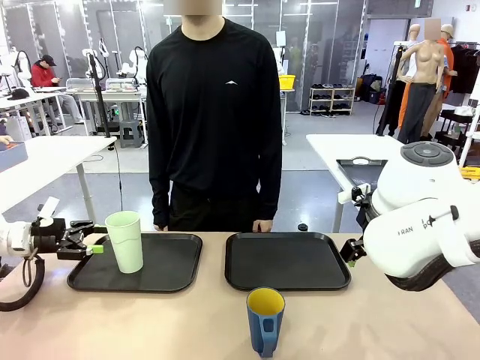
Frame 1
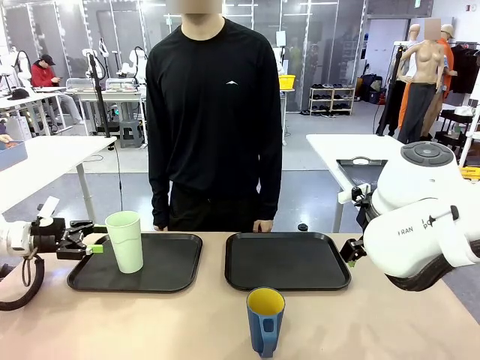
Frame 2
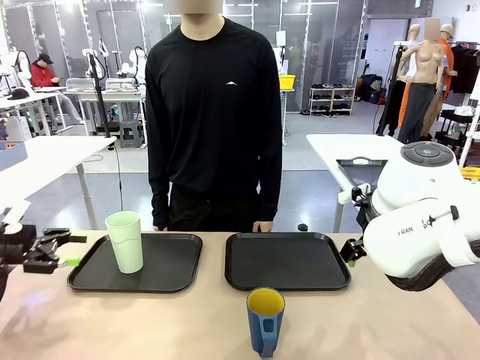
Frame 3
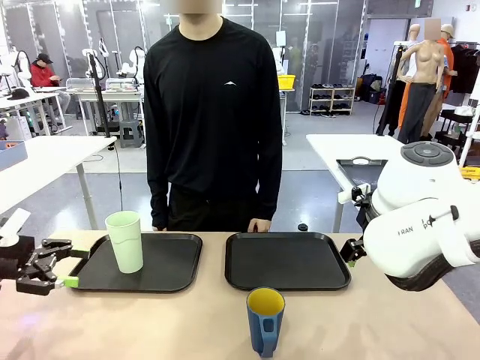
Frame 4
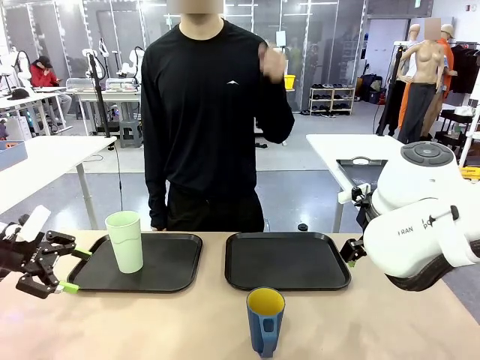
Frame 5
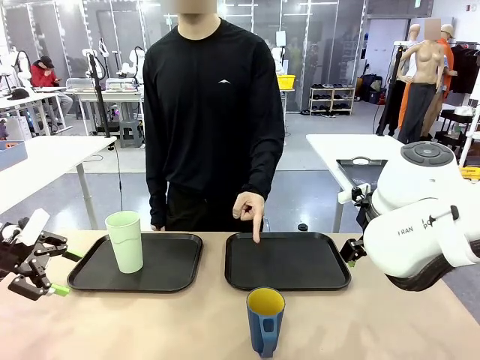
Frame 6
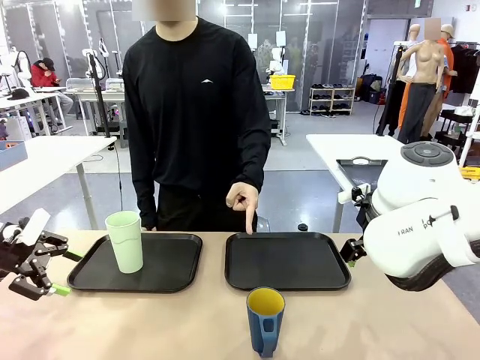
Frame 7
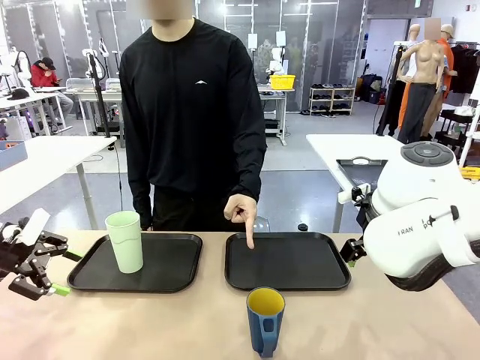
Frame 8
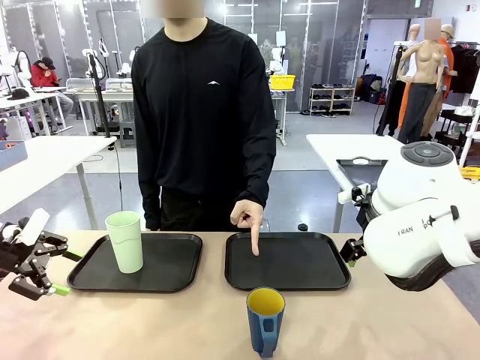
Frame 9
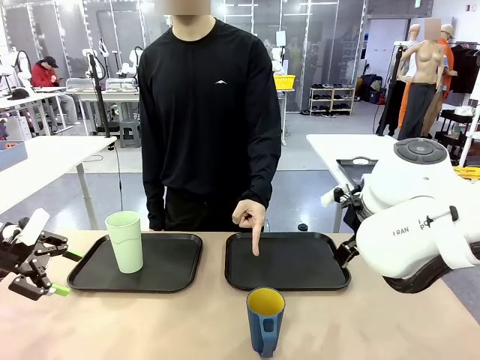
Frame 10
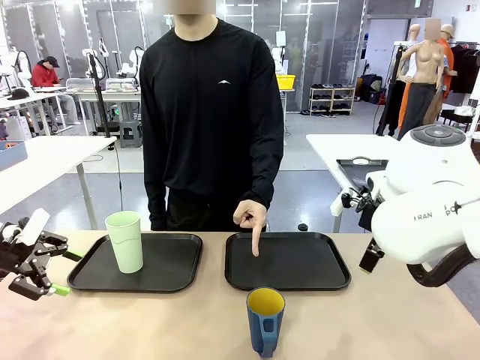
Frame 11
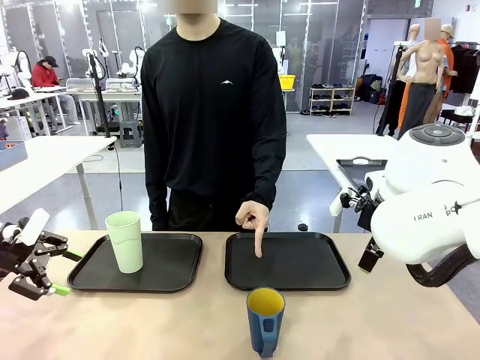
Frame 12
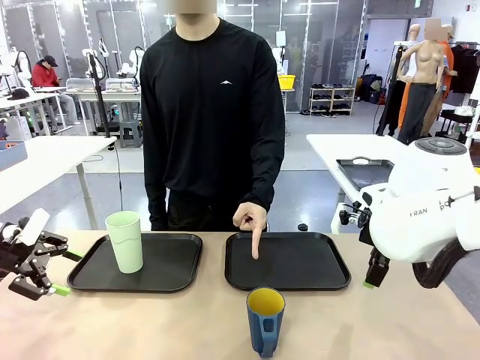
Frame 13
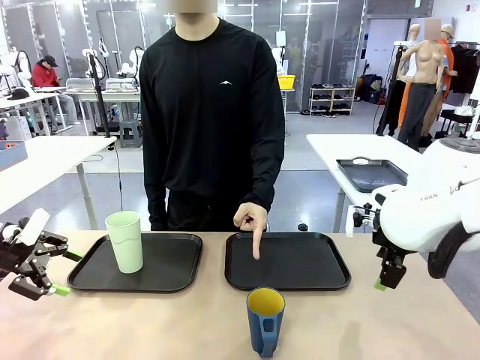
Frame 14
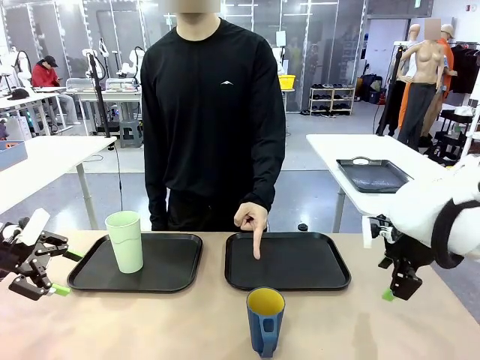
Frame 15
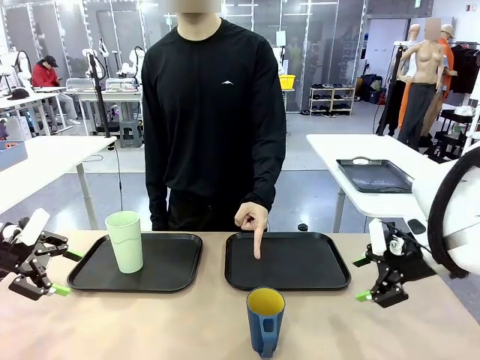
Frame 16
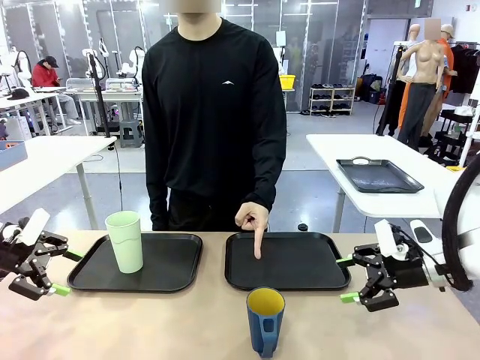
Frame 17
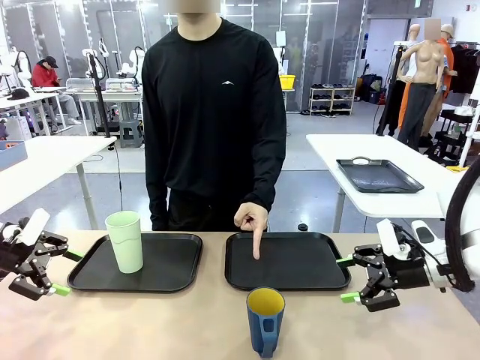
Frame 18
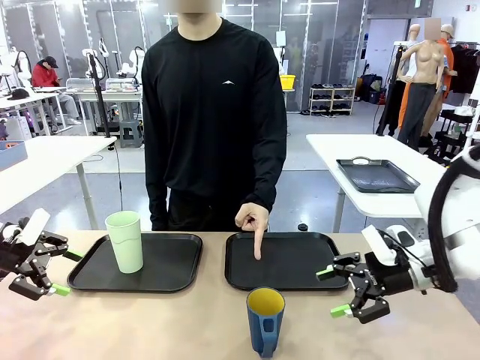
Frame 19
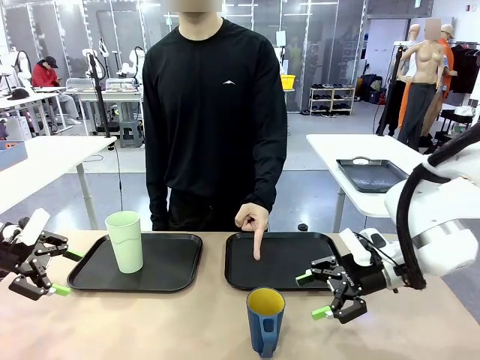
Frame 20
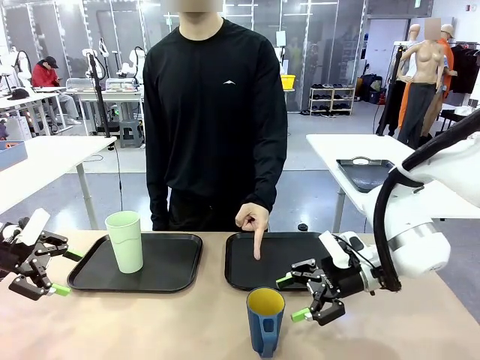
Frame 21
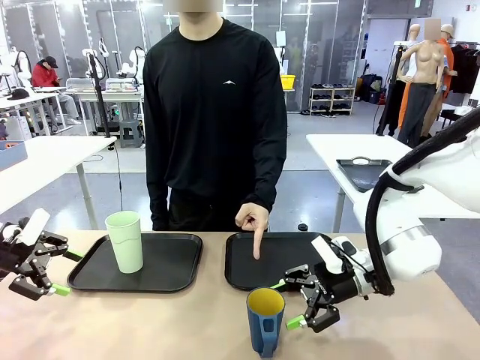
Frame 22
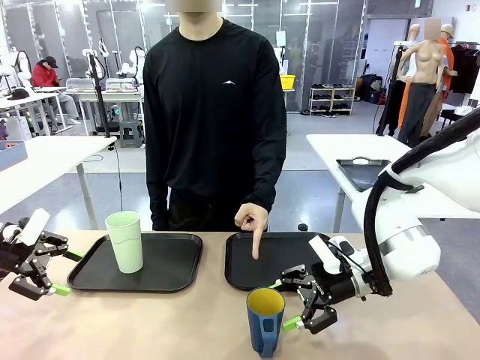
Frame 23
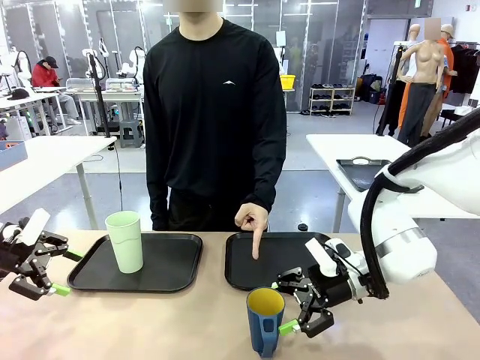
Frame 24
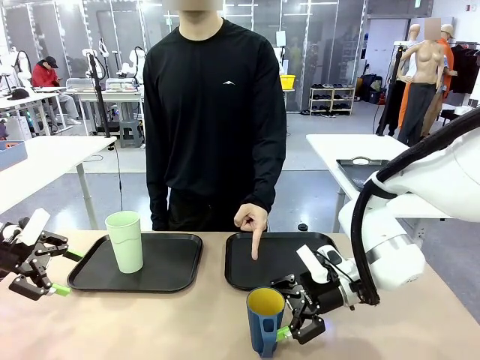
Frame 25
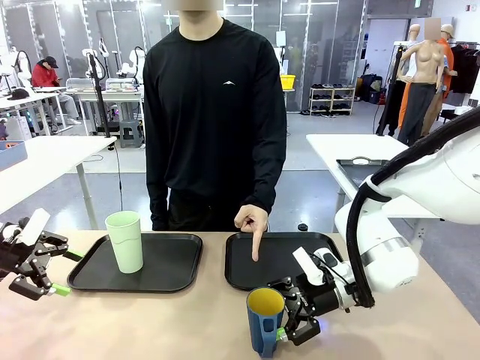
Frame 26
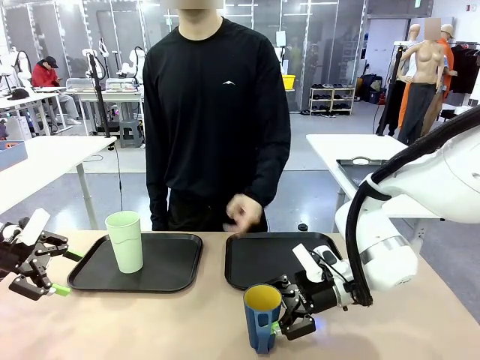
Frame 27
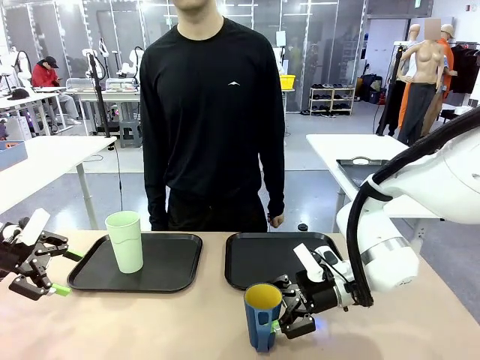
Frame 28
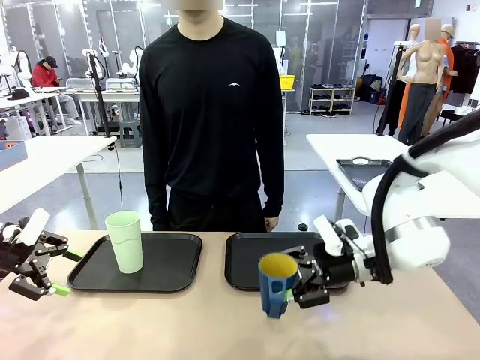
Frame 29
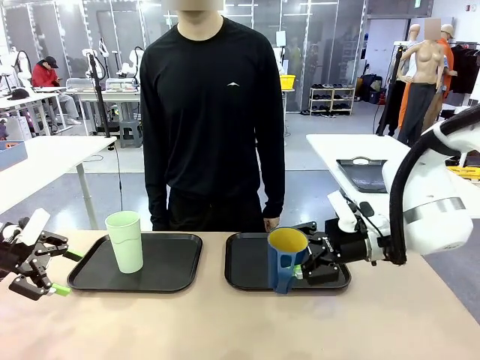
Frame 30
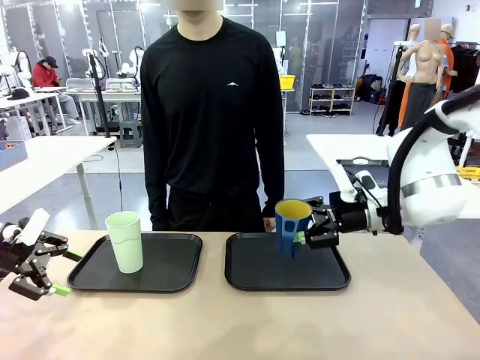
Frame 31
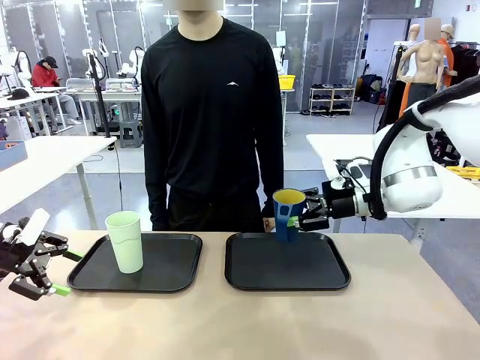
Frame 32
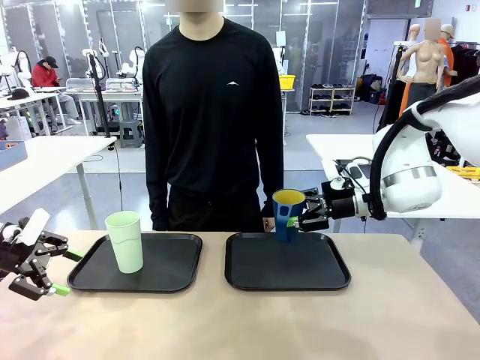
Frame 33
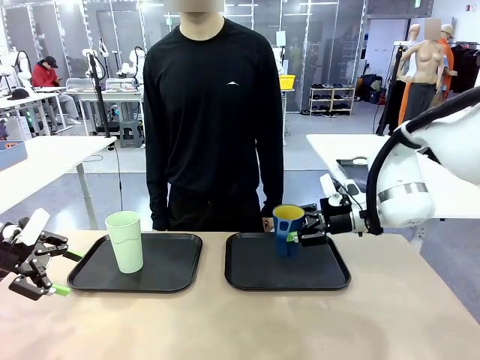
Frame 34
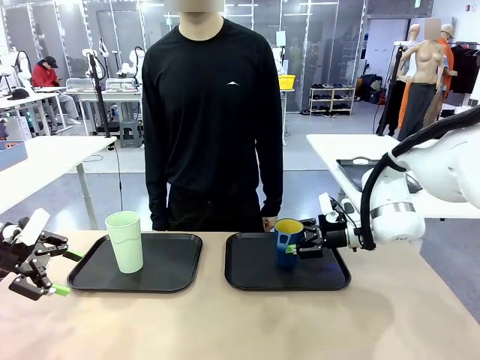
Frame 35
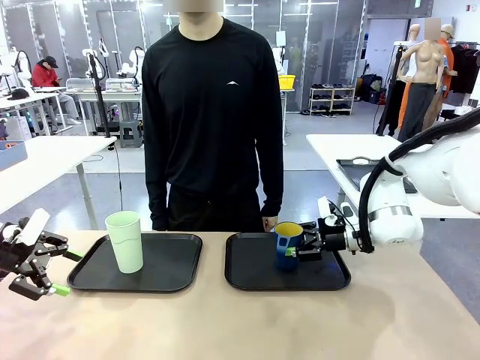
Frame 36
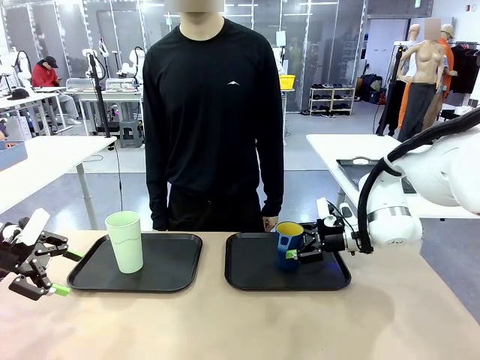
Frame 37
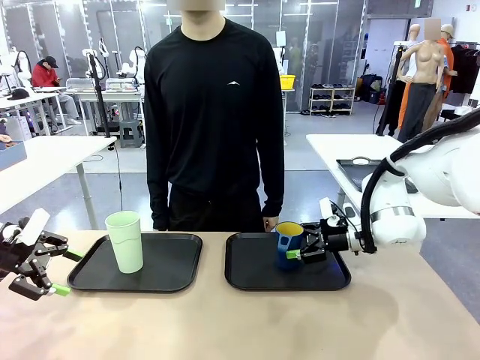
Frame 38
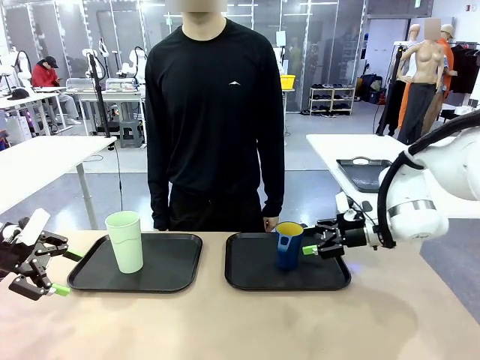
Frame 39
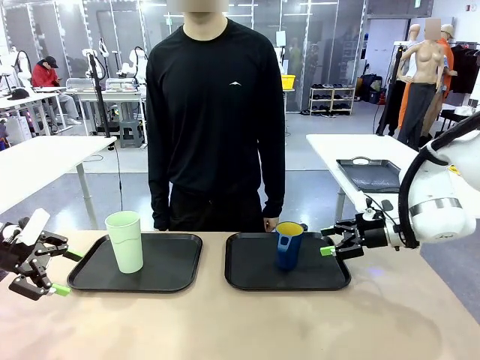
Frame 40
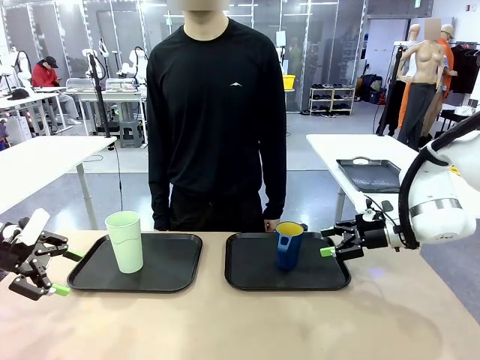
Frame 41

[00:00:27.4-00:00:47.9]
Task: Sort and store the cups by type.
Robot: Pick up the Handle plastic cup and place it into the empty Flat Tray.
Person: Points to the cup with a handle.
